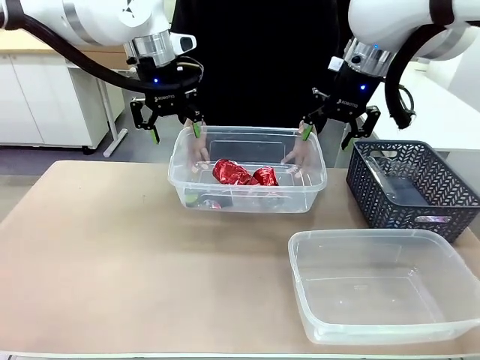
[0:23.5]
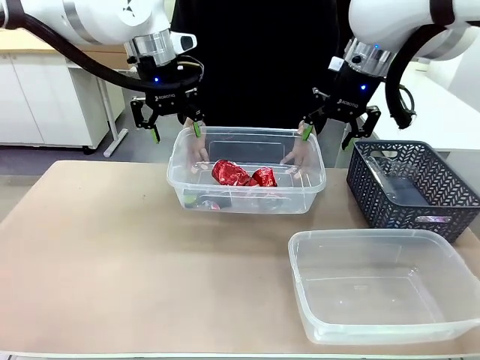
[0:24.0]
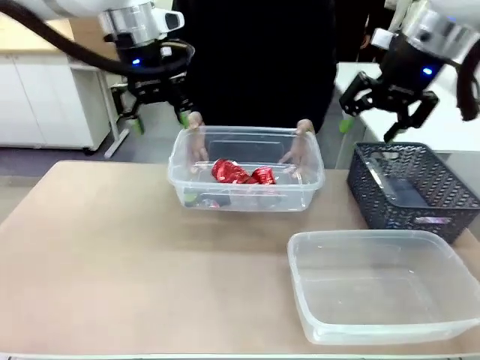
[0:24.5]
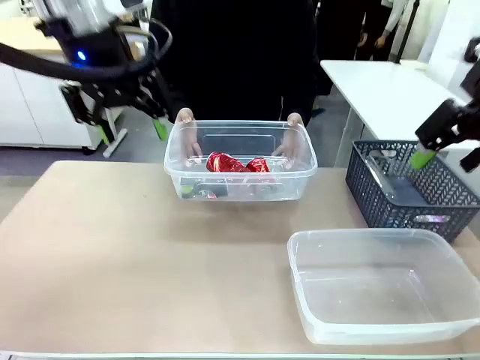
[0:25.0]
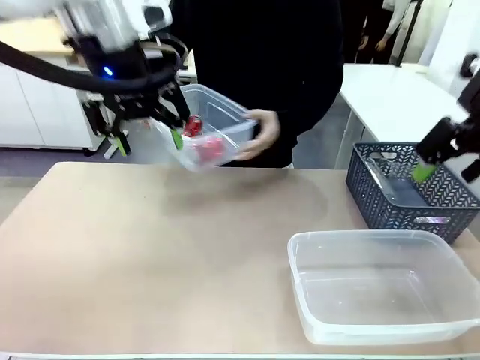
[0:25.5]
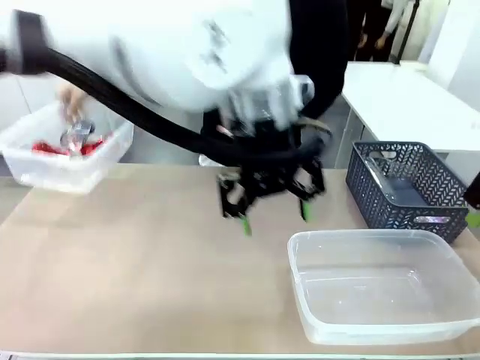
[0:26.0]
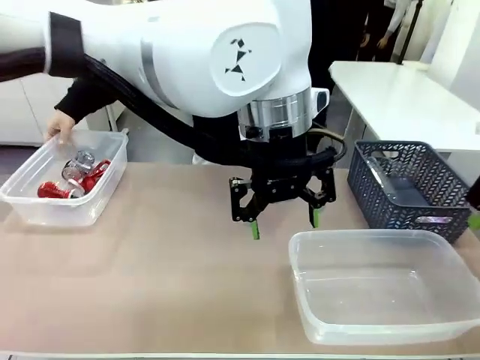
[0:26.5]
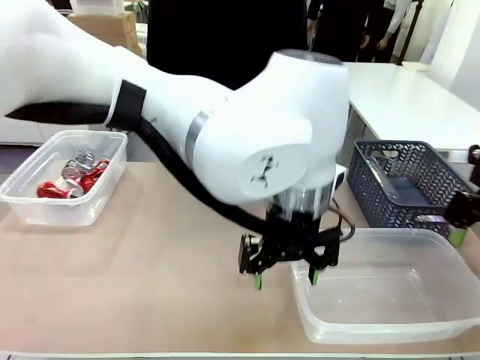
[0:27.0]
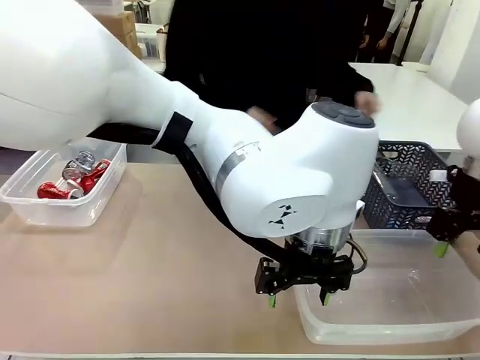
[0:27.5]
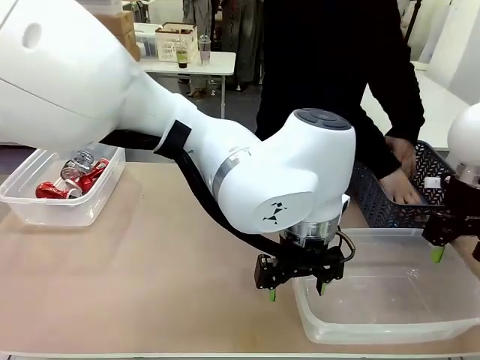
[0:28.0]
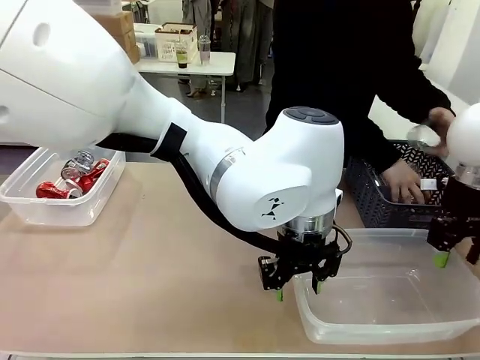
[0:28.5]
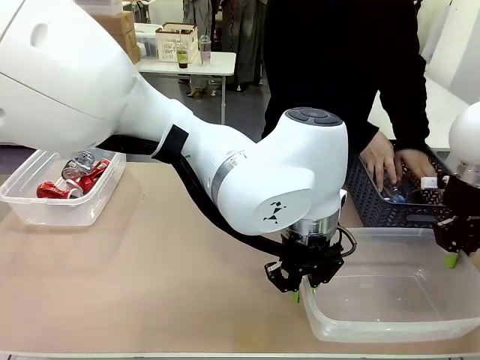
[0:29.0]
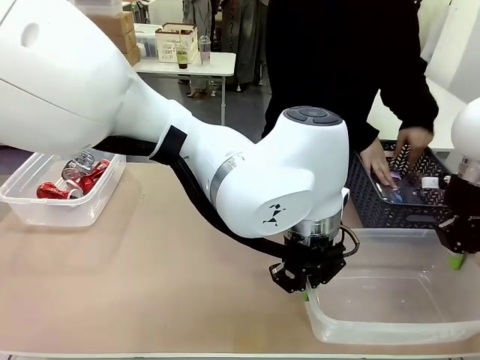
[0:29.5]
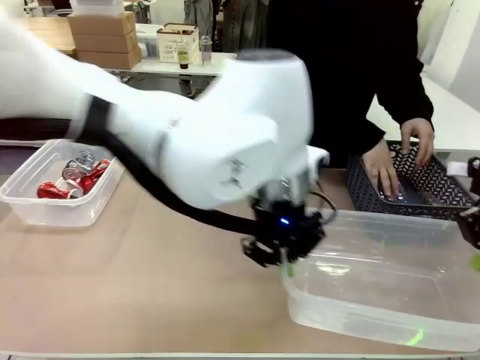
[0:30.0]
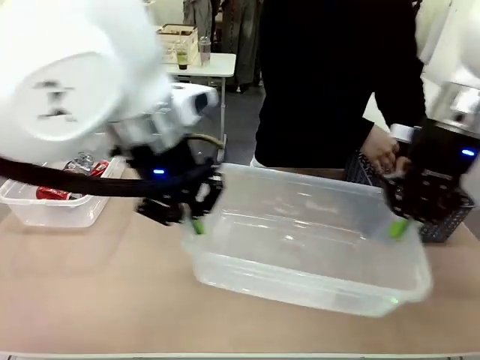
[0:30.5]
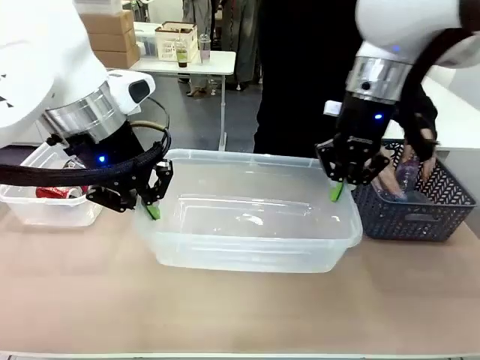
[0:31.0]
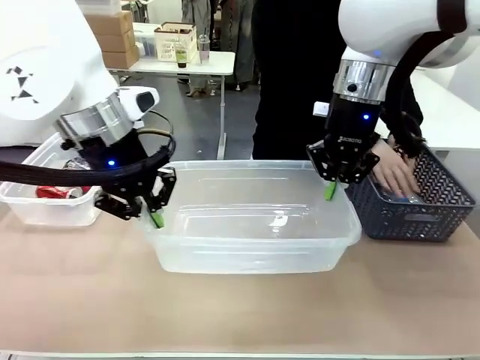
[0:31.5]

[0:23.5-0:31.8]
Robot: Pick up the Organizing box on the right side of the table and lift it.
Person: Place it at the edge of the bottom right area of the robot table.

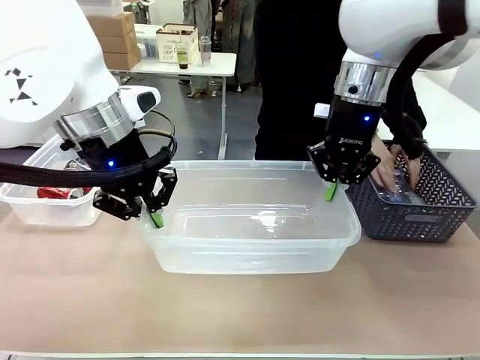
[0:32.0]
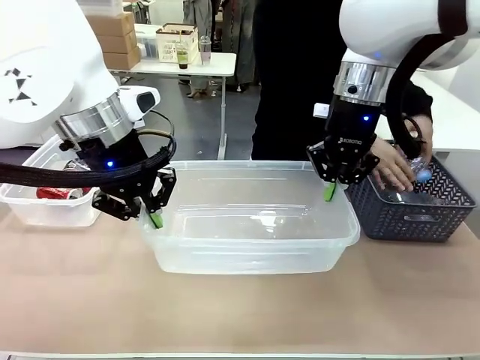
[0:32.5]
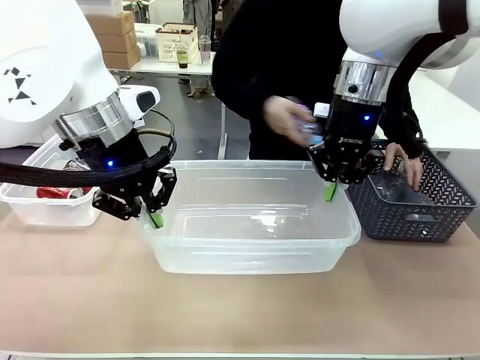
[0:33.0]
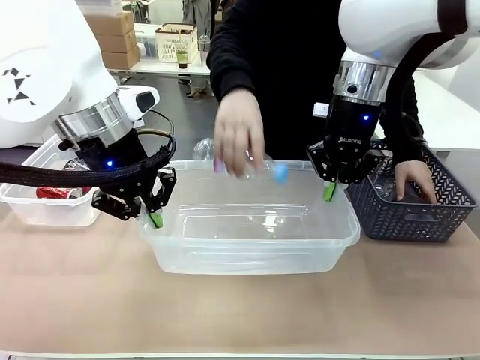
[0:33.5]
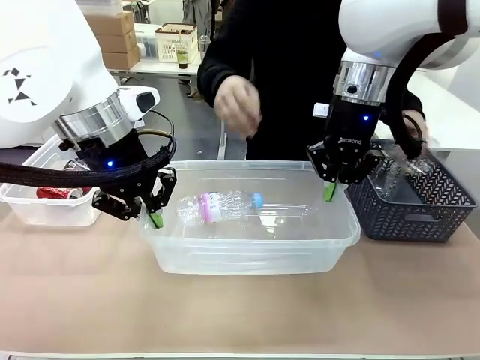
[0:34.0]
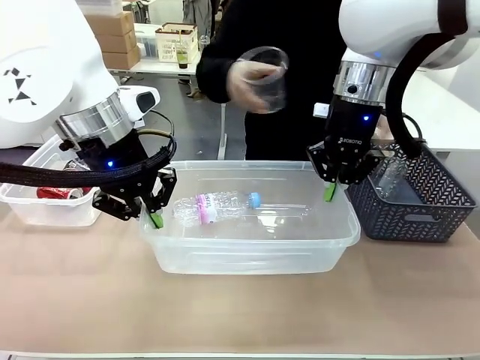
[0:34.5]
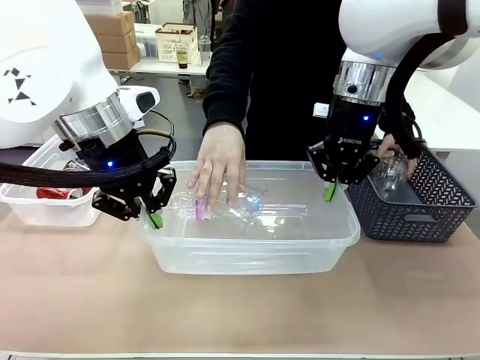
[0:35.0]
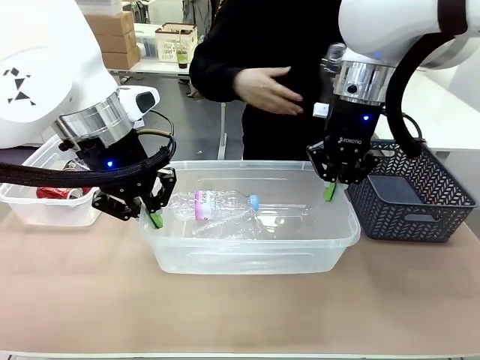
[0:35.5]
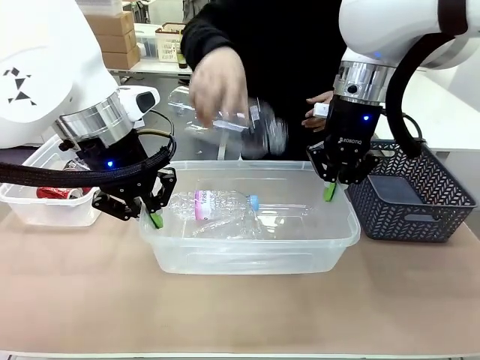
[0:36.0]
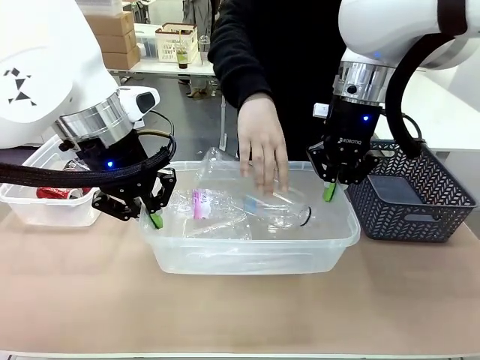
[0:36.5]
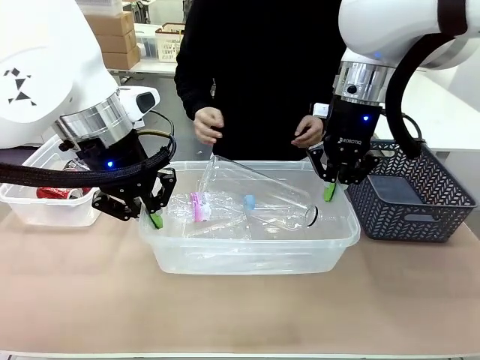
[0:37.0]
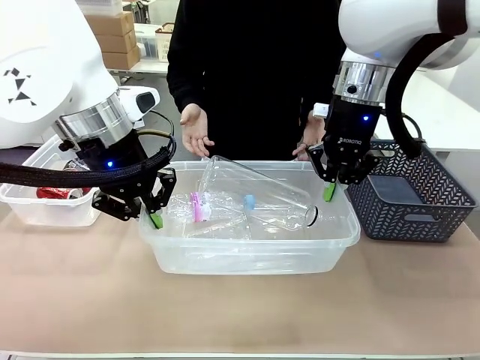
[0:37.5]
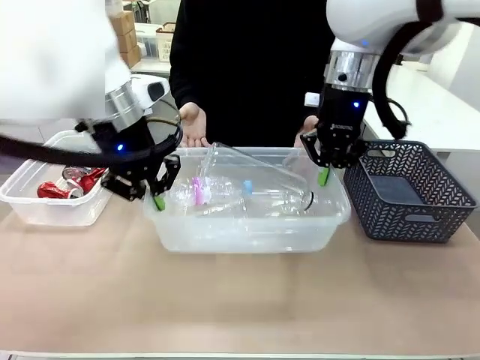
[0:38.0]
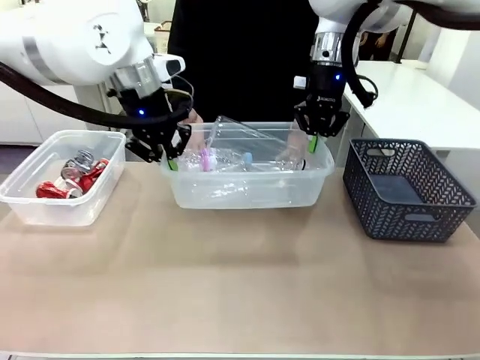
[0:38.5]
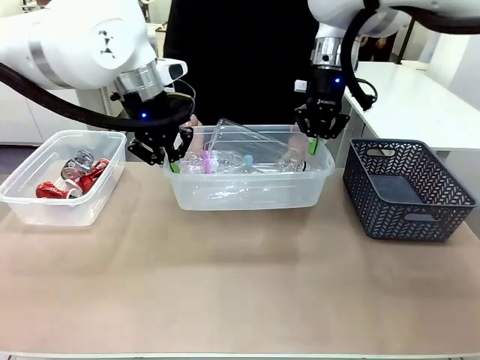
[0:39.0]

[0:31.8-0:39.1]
Robot: Offer the picked Organizing box to the human.
Person: Pick up plastic waste one by one and place it into the organizing box lifted by the robot.

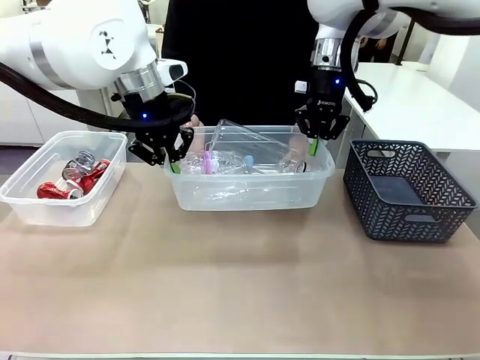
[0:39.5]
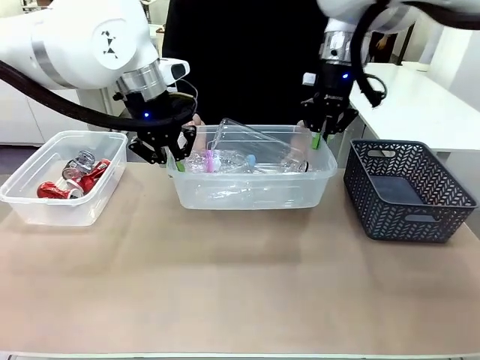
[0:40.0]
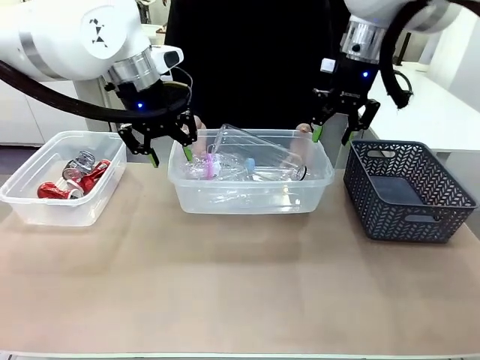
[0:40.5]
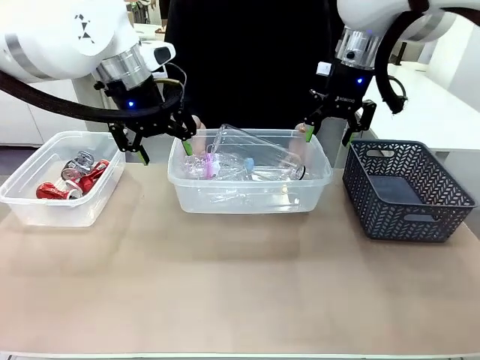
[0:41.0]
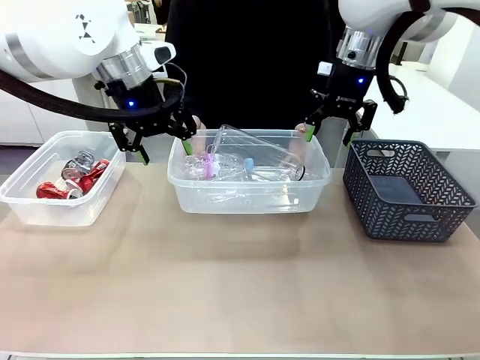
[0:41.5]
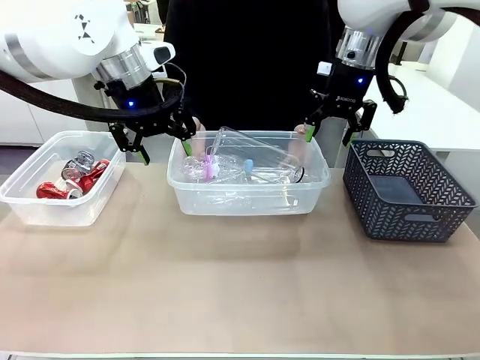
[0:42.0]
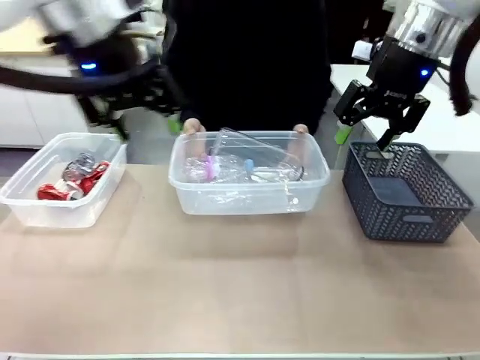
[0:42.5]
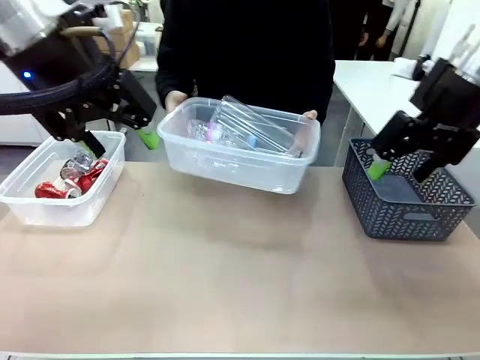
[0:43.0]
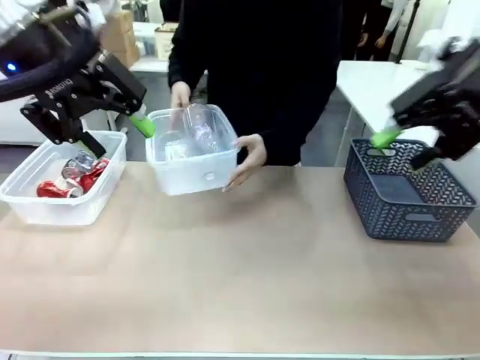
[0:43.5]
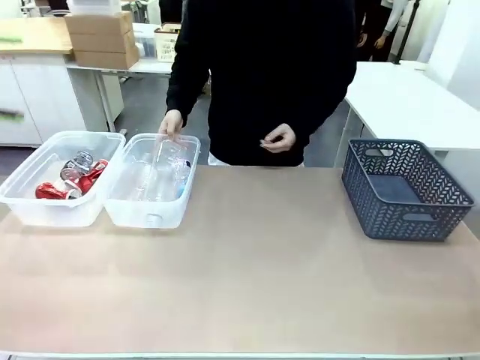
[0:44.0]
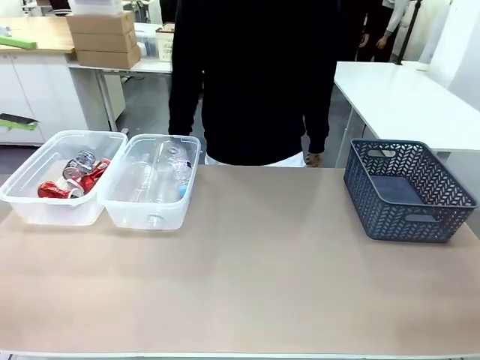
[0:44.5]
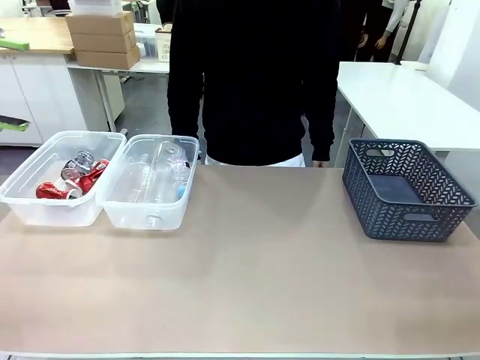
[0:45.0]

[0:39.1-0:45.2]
Robot: Release the Organizing box you were holding.
Person: Pick up the organizing box extended by the robot. Place the organizing box to the left of the sorting box containing the can waste.

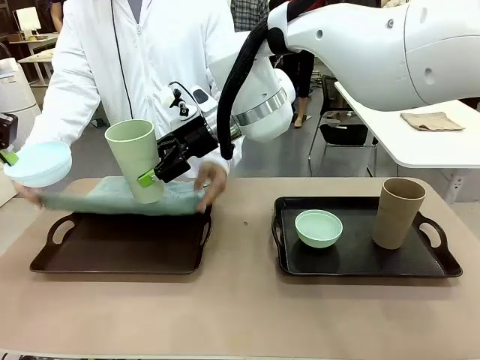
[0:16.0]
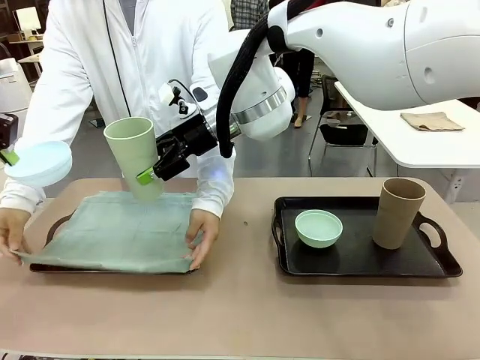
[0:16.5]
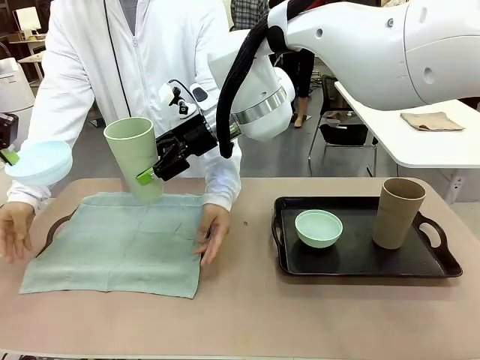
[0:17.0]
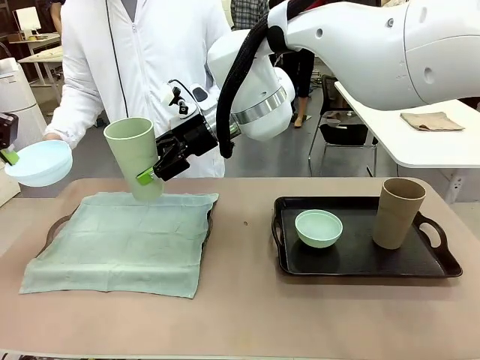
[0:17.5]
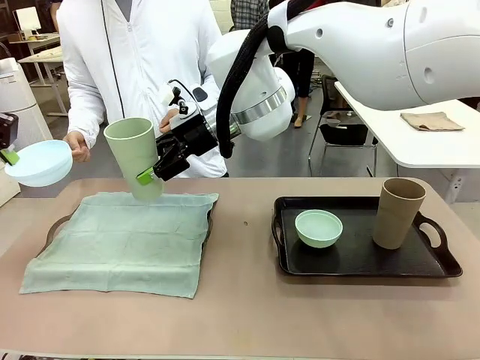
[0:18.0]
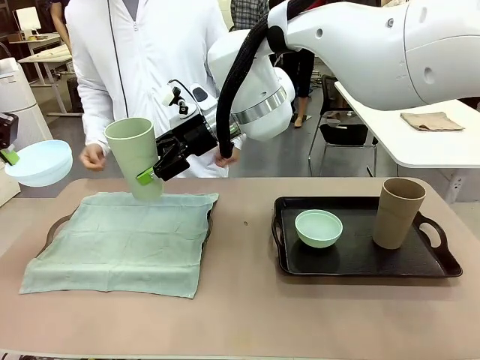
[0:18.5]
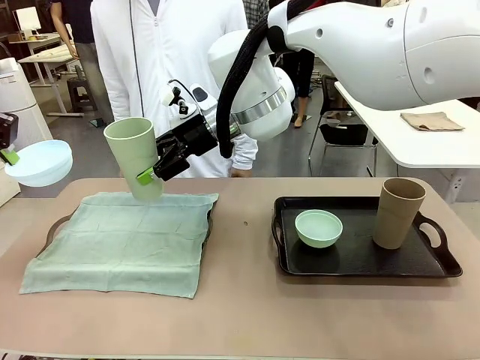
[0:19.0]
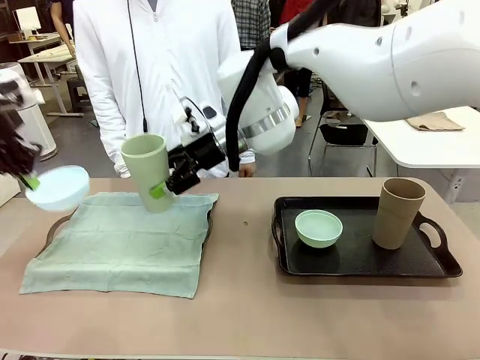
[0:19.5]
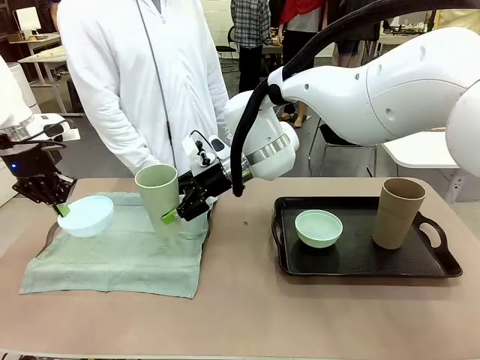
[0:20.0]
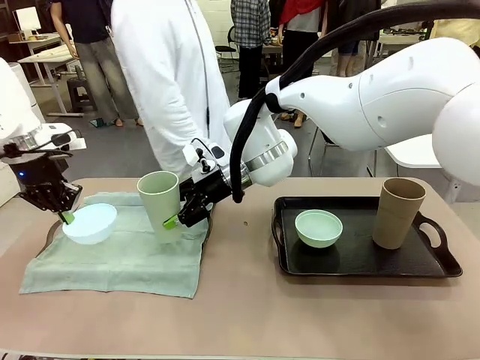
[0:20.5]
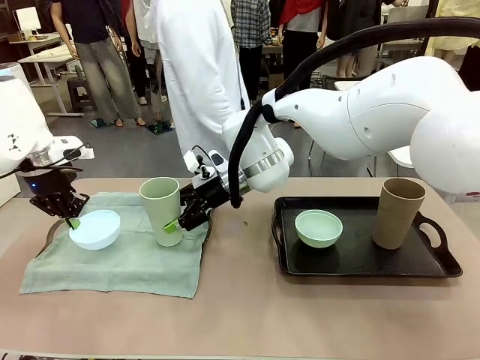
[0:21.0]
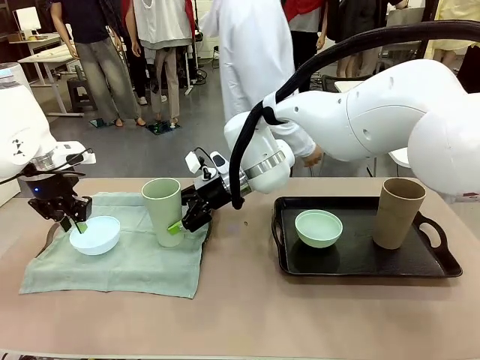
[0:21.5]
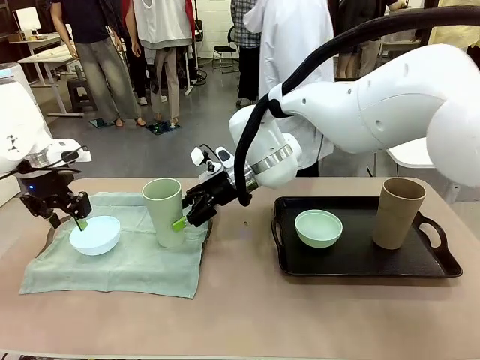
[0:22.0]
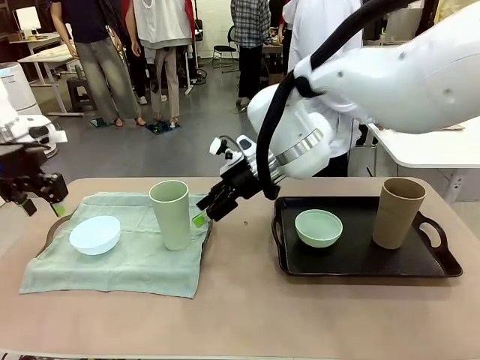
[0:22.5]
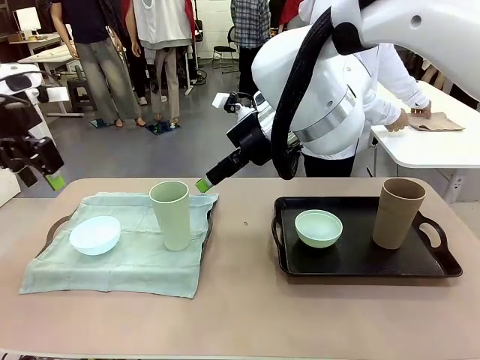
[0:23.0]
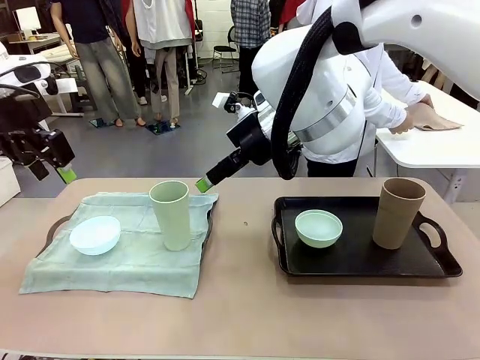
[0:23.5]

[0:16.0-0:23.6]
Robot: Place the Picnic Bowl and Reusable plastic cup back onto the Handle tray in front of the human's position.
Person: The human returns to the human table to pick up another napkin and walks to the robot table to stand in front of the tray without a napkin.
